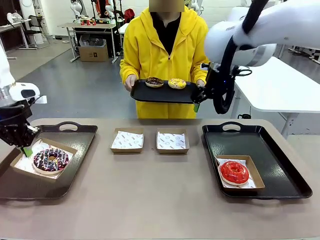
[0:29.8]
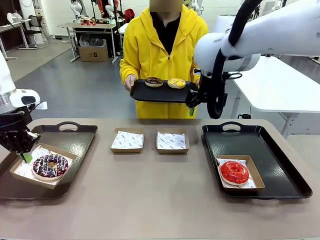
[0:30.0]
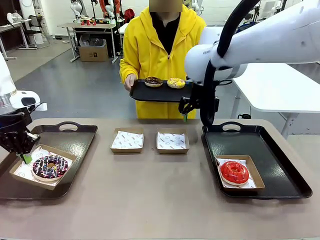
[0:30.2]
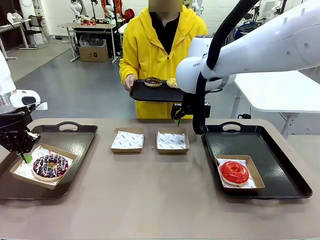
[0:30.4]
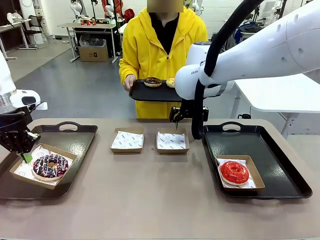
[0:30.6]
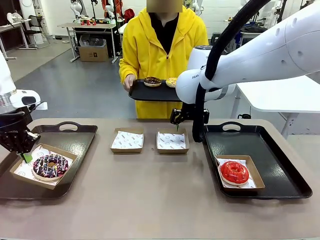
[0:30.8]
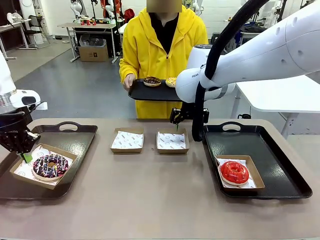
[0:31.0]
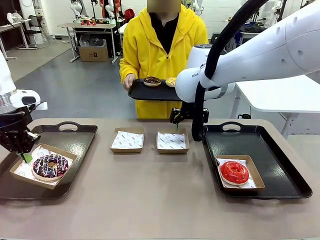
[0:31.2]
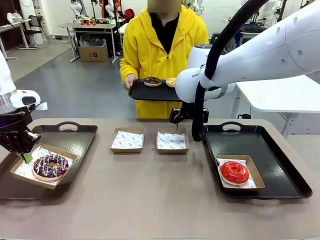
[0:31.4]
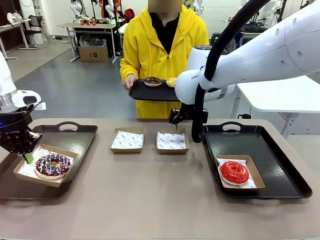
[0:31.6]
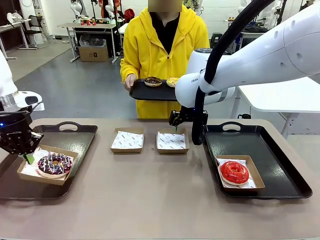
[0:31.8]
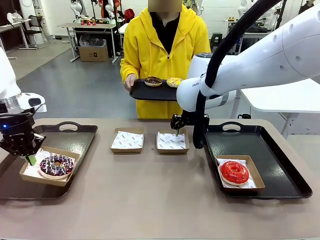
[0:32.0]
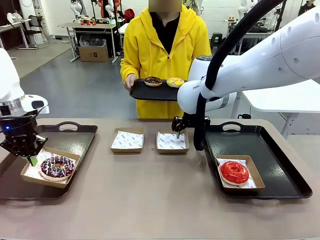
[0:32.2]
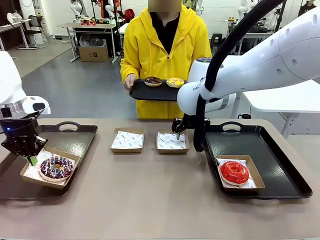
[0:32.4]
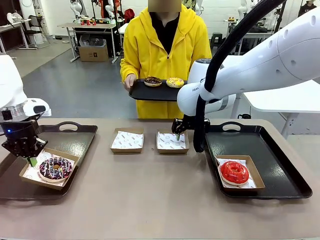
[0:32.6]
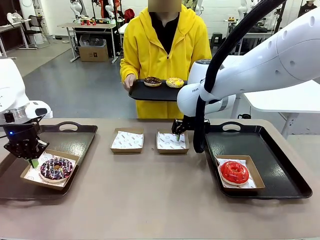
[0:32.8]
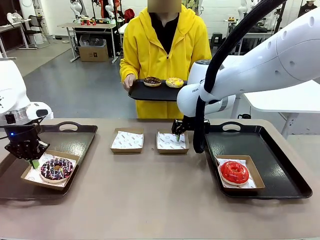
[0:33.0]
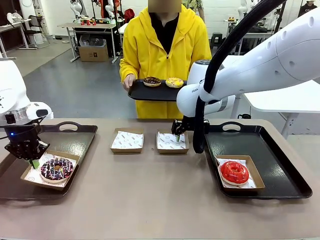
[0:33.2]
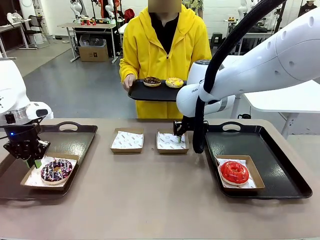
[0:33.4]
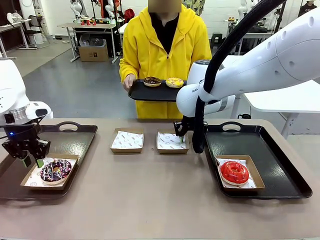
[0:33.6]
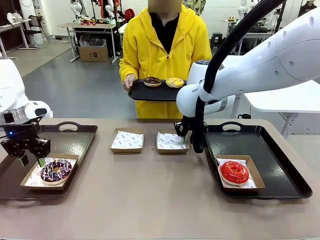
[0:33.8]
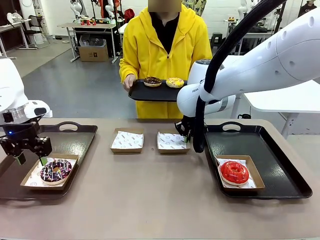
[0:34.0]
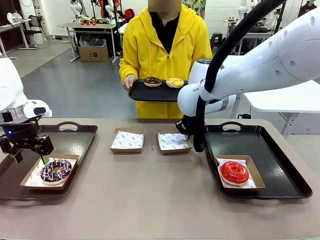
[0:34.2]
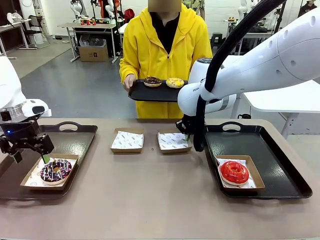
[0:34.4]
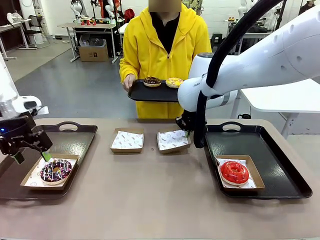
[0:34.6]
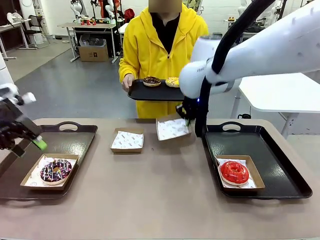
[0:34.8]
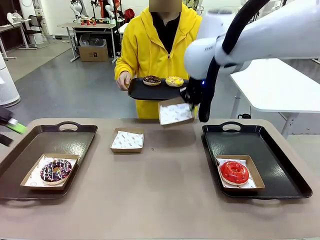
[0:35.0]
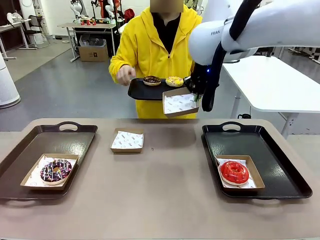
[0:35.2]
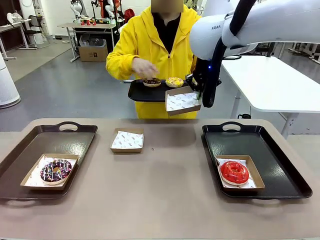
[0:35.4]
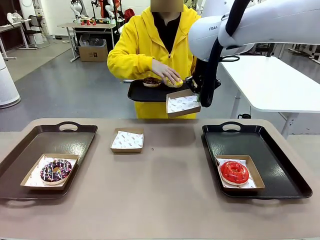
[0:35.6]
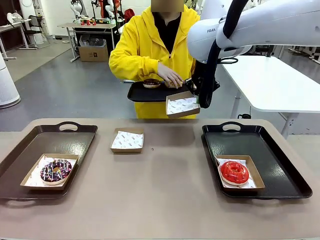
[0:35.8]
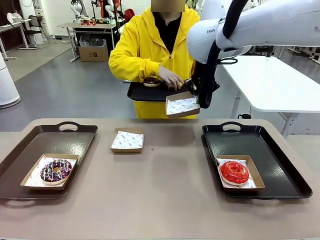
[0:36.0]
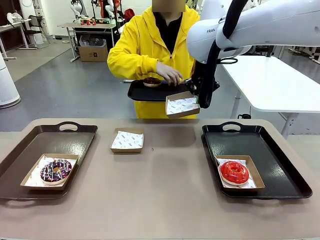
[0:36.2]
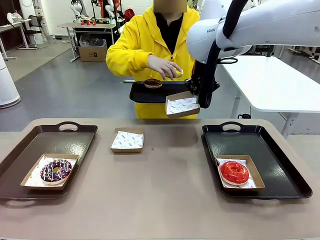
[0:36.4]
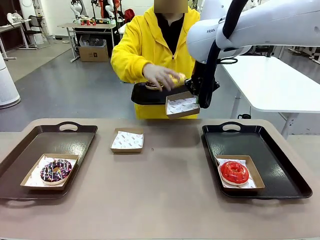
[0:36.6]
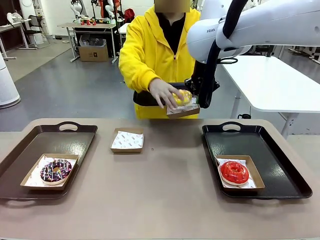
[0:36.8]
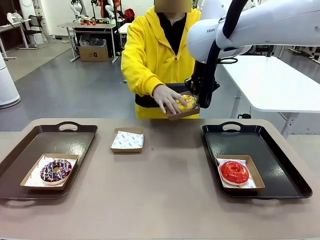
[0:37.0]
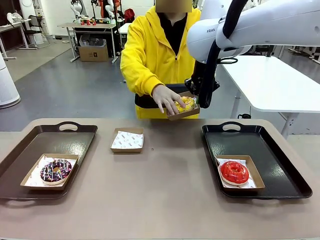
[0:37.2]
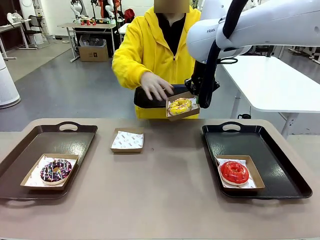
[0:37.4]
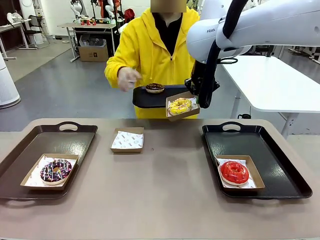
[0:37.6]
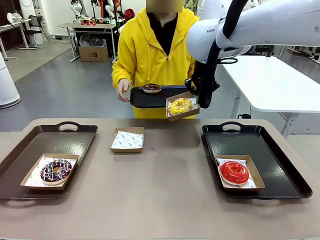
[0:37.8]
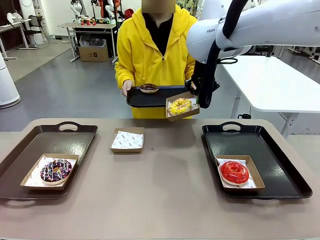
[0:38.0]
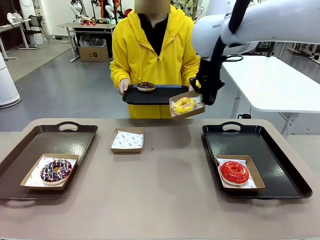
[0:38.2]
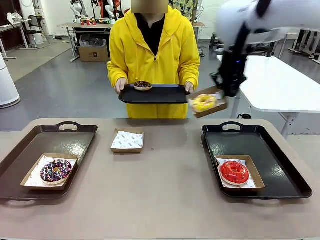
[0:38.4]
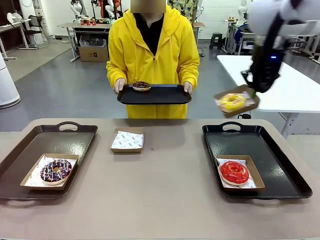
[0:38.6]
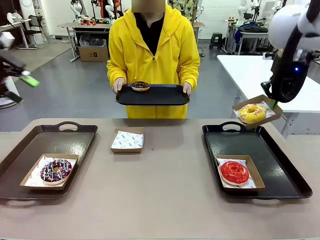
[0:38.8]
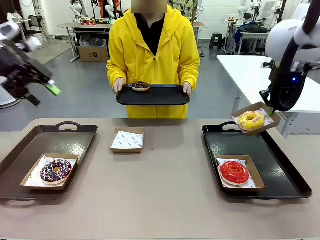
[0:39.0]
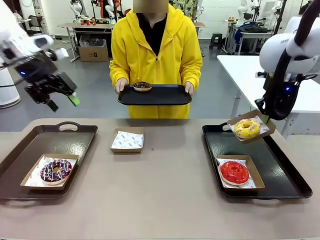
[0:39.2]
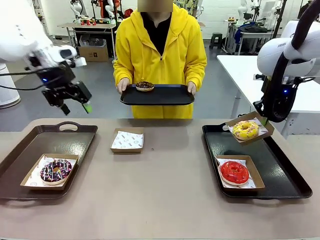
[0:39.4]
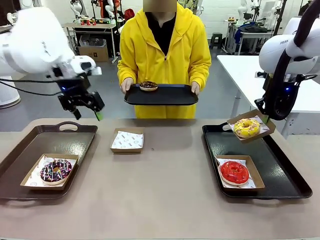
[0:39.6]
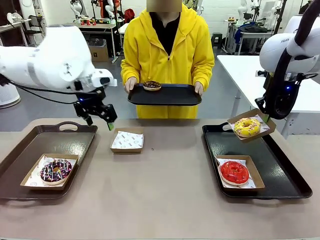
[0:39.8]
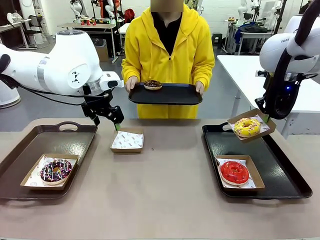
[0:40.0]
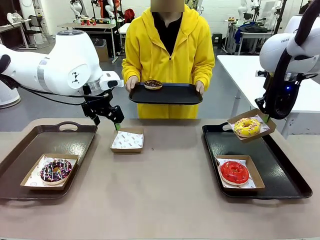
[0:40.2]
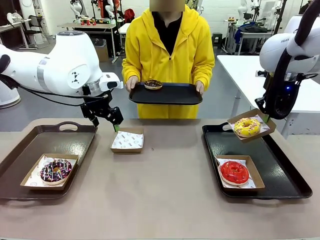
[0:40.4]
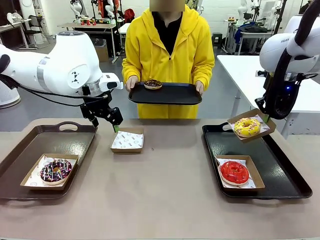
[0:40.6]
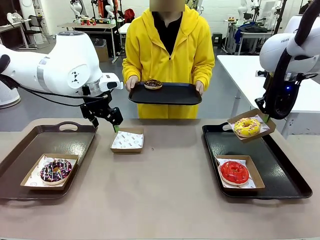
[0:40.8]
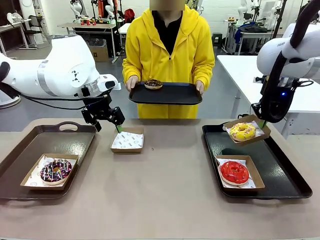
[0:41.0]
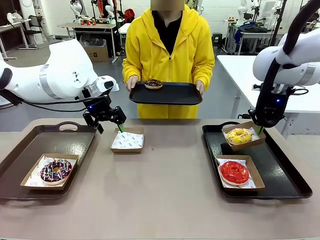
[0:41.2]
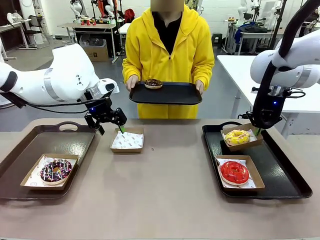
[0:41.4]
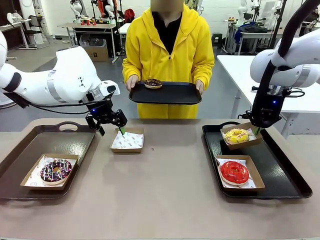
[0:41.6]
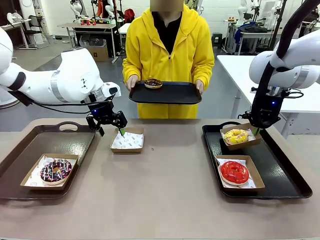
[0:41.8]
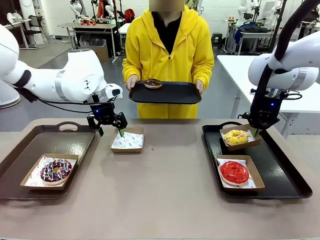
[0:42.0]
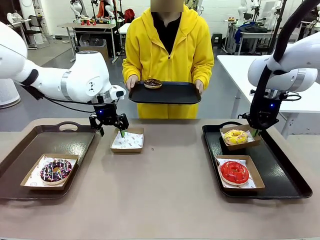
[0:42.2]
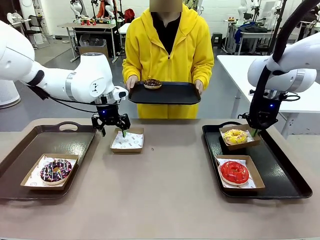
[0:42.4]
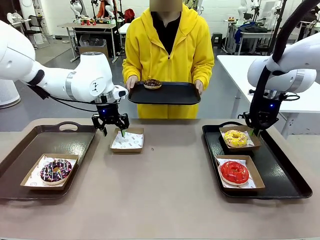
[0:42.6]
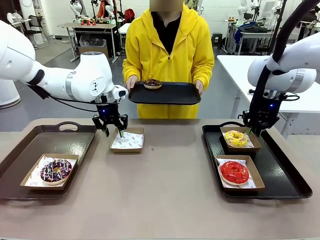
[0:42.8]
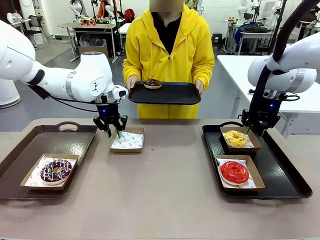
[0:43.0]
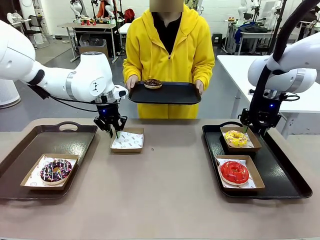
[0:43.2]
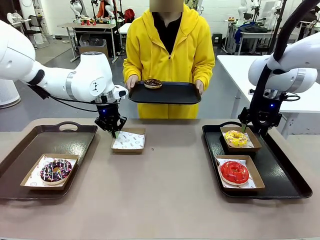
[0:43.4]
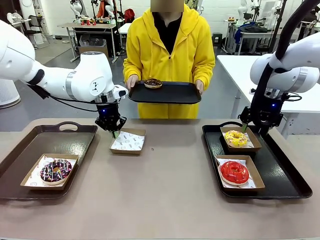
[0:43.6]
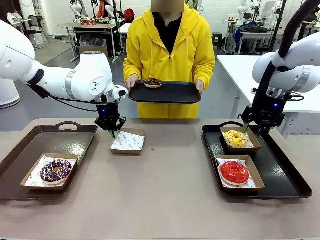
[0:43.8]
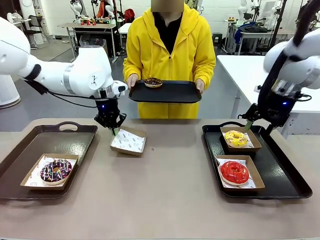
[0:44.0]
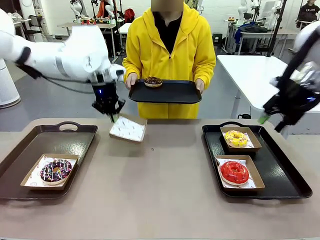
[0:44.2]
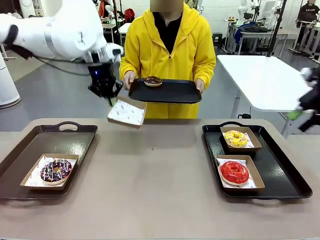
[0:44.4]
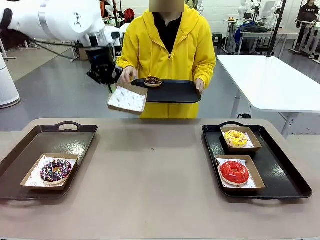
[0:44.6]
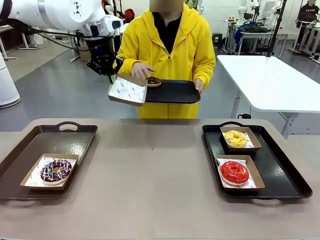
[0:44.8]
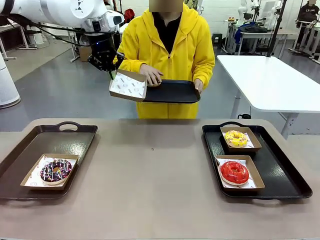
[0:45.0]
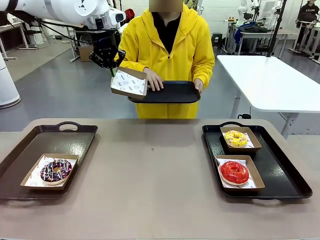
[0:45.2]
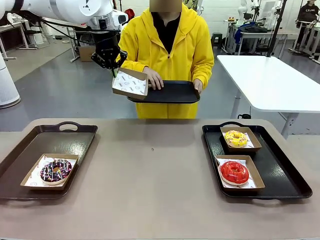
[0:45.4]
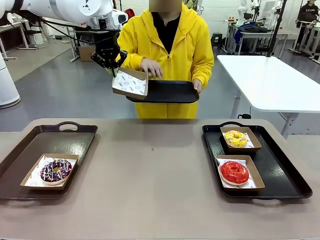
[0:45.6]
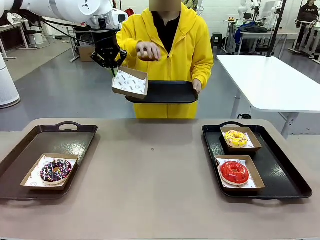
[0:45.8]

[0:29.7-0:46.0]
Task: Individually package the donuts and arrange them on the tray.
Robot: Place the picked Paper togo box on the Handle tray while simultaneously picking up another Paper togo box from the table with the other hand.

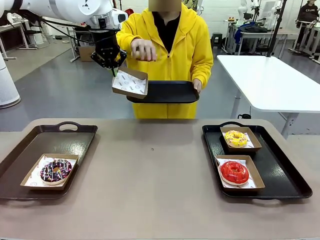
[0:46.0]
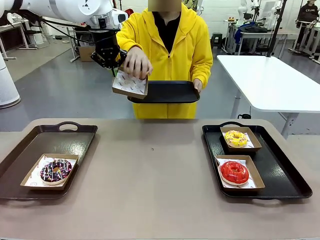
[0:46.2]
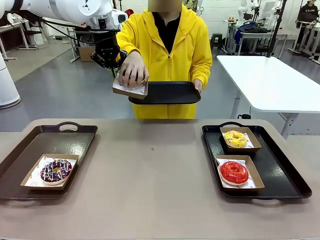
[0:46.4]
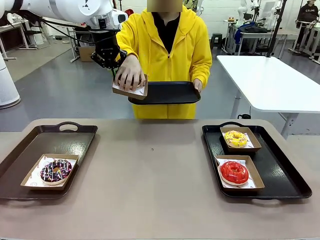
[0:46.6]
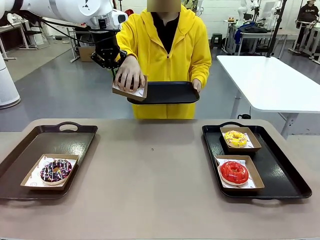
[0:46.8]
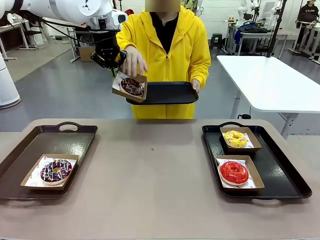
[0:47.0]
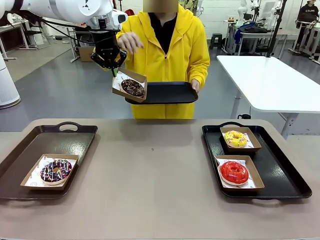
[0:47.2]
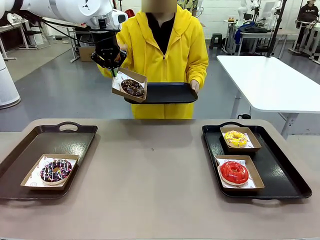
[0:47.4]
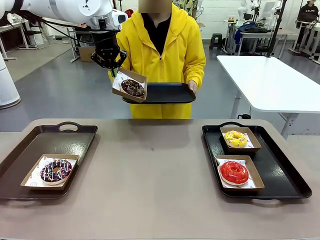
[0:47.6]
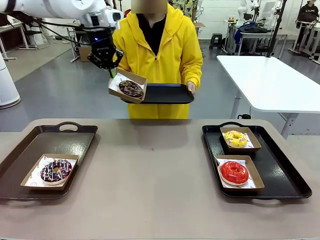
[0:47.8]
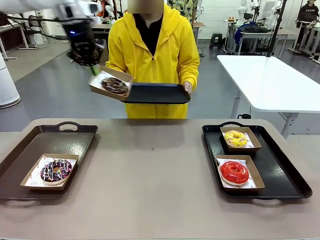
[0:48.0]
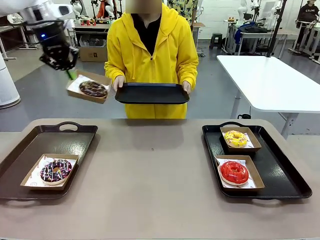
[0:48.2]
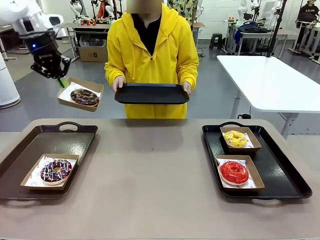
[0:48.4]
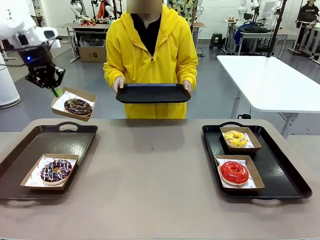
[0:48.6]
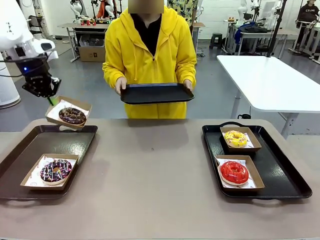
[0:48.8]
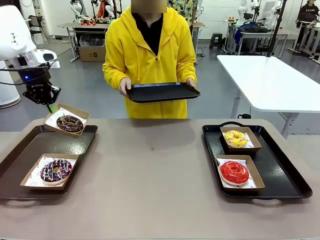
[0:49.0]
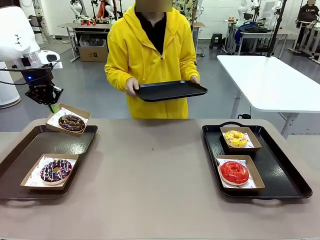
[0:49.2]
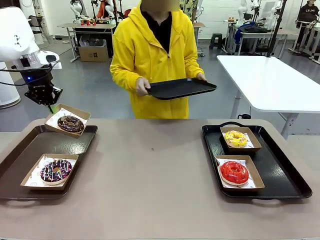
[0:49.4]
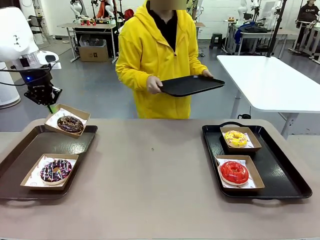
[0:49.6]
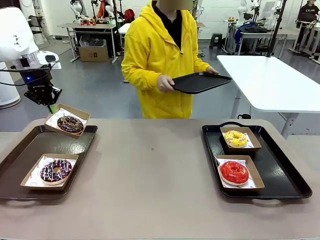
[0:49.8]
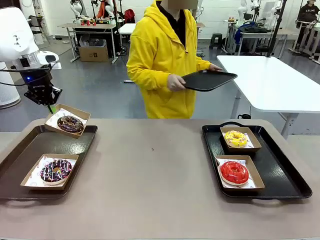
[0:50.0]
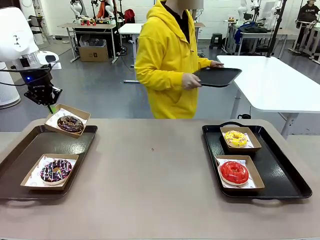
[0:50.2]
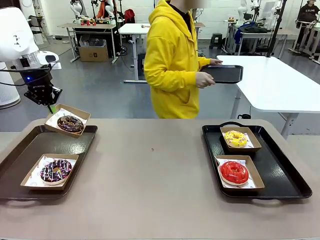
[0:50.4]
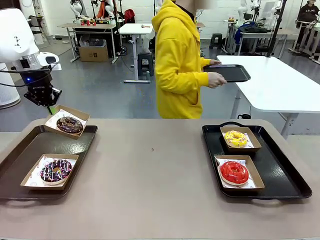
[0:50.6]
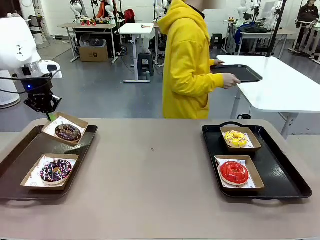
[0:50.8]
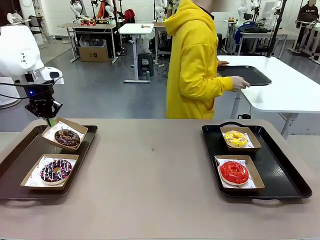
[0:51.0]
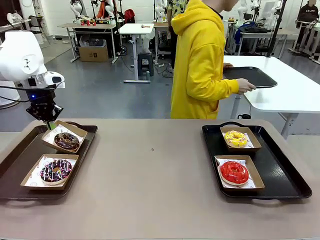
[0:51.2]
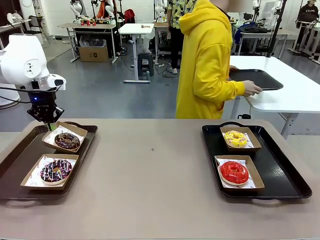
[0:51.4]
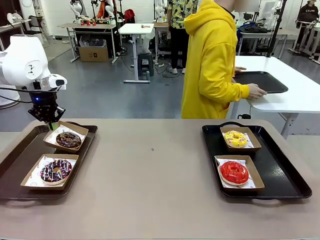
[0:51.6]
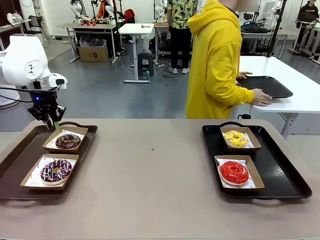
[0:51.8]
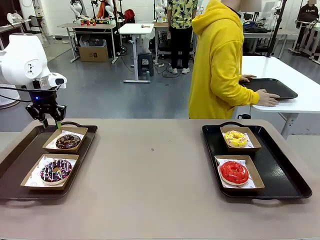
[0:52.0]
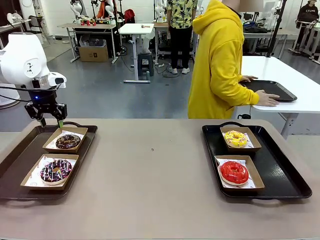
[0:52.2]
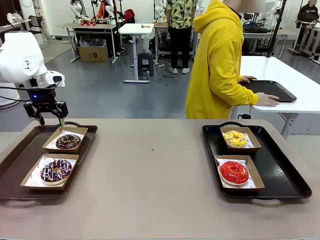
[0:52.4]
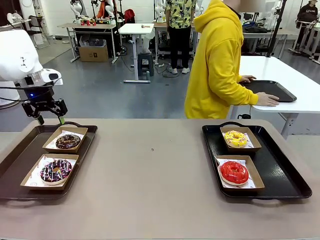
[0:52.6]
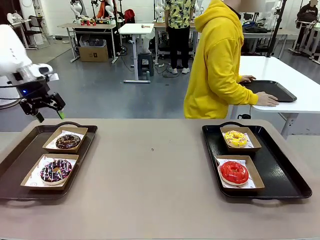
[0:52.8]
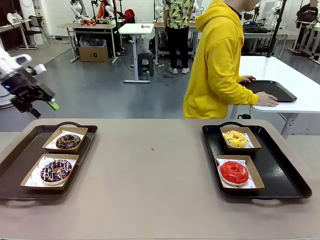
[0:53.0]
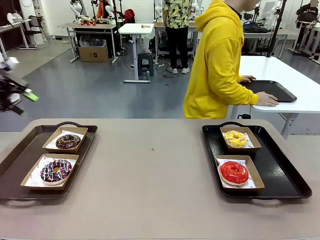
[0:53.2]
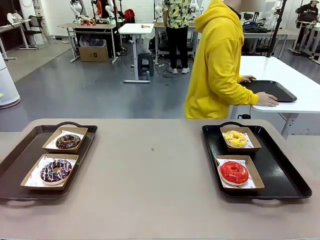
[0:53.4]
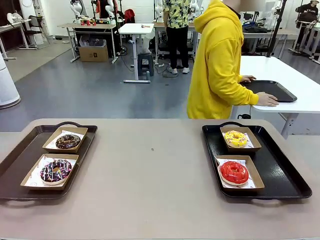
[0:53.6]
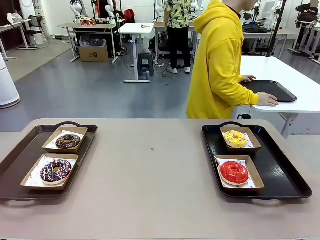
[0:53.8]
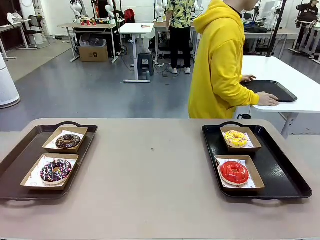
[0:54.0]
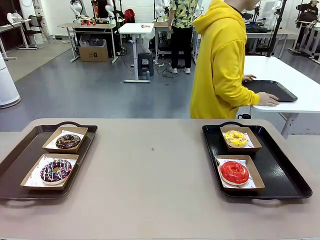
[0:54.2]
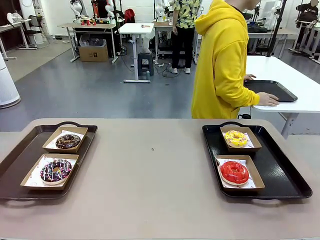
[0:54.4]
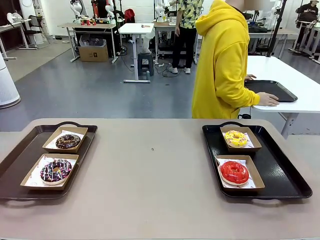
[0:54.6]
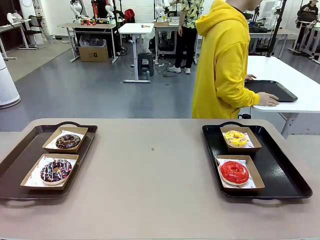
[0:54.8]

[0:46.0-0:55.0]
Robot: Place the picked Paper togo box on the Handle tray.
Person: Place the tray down in the middle of the human table.
